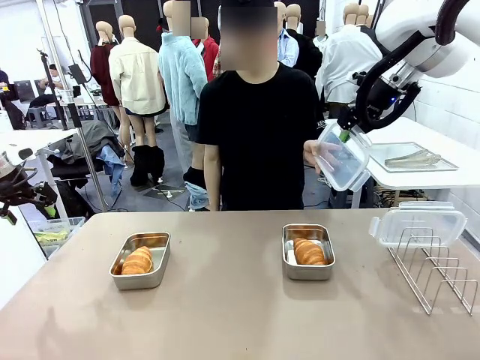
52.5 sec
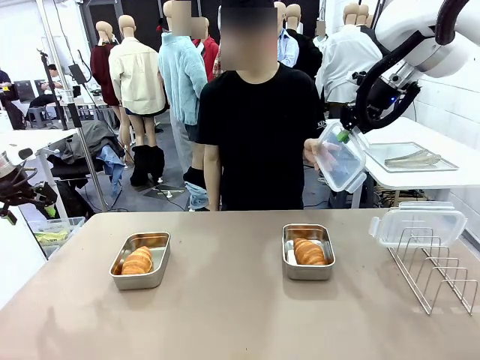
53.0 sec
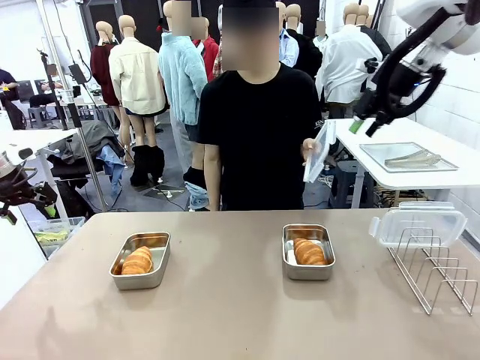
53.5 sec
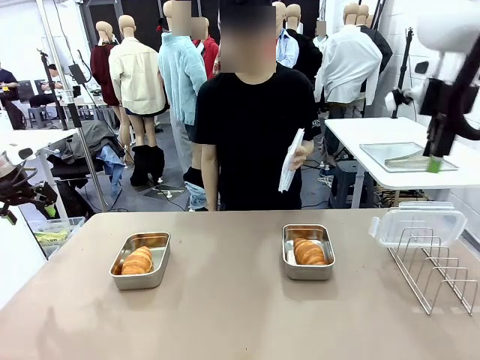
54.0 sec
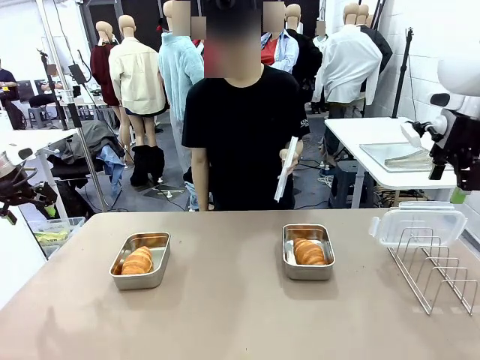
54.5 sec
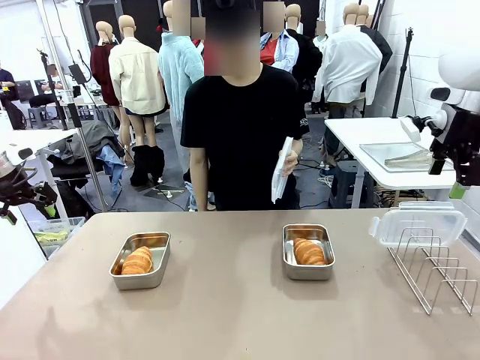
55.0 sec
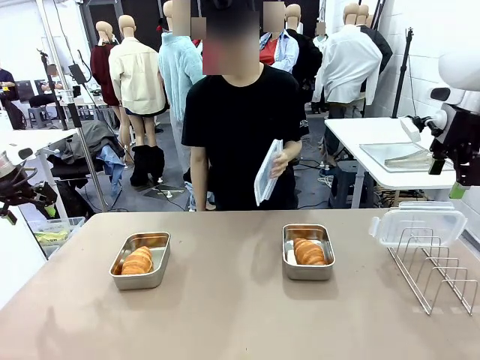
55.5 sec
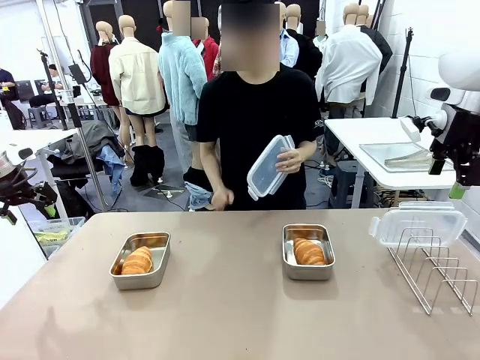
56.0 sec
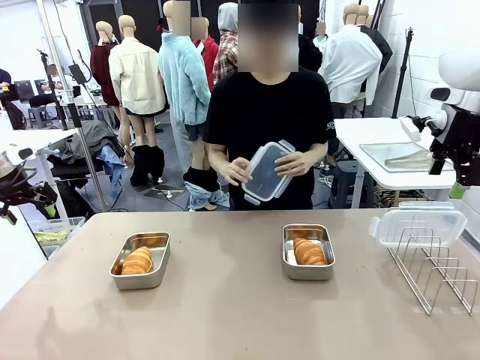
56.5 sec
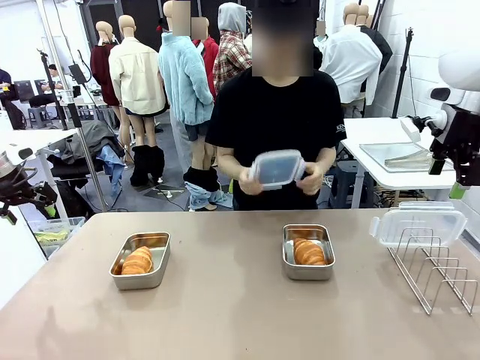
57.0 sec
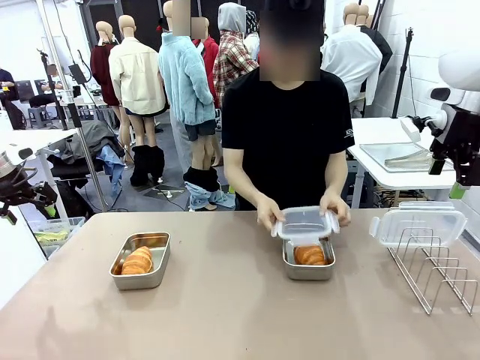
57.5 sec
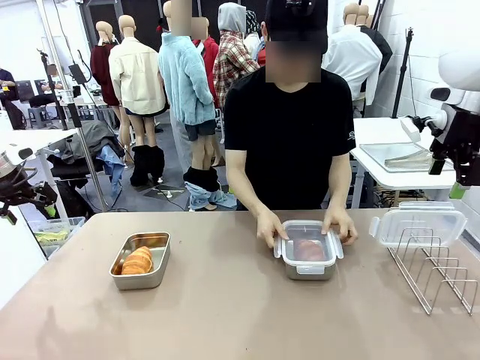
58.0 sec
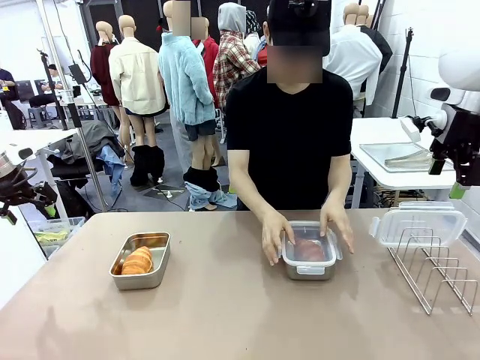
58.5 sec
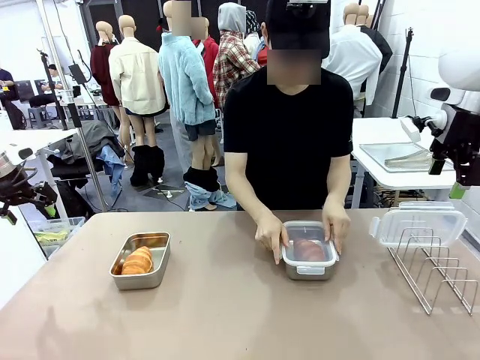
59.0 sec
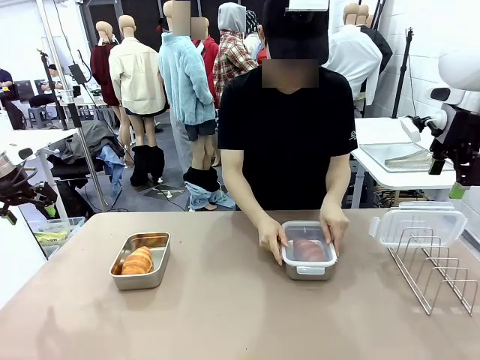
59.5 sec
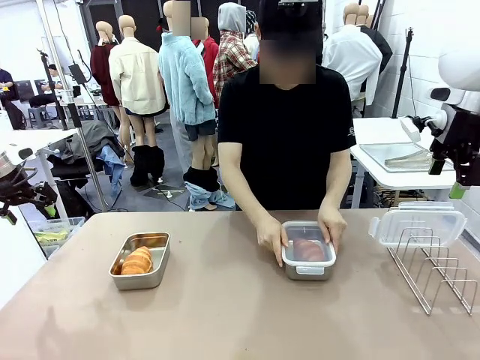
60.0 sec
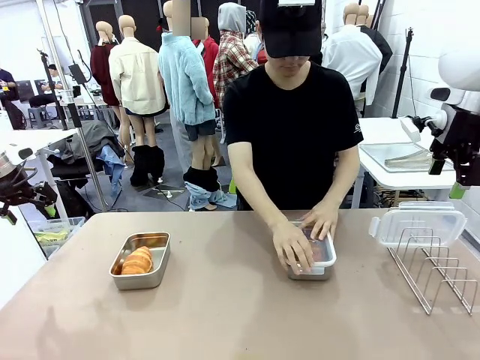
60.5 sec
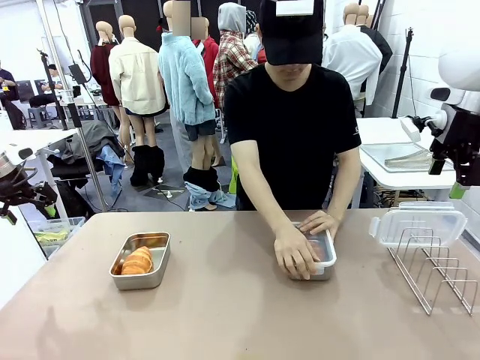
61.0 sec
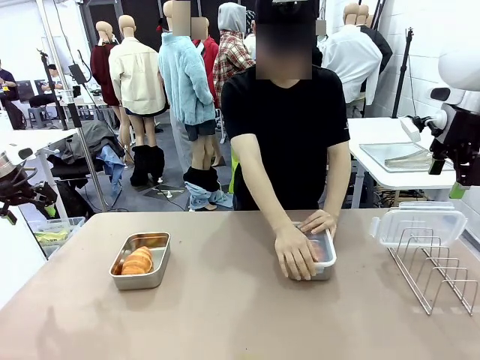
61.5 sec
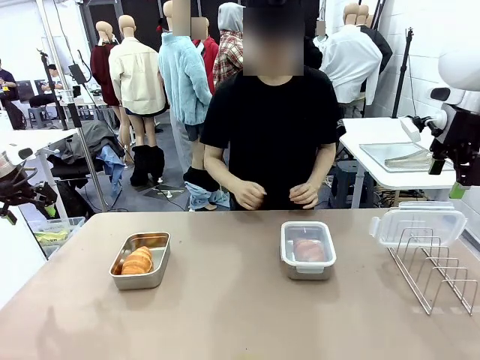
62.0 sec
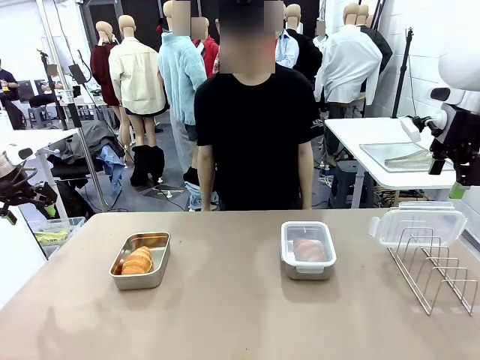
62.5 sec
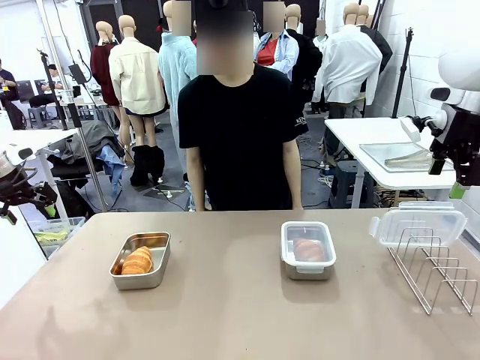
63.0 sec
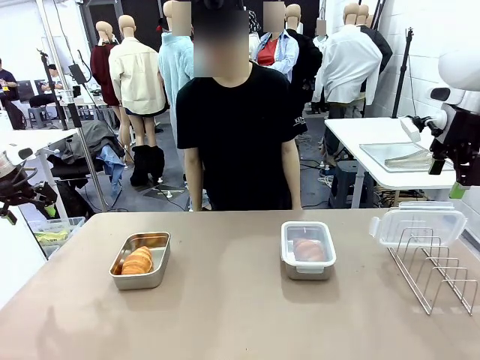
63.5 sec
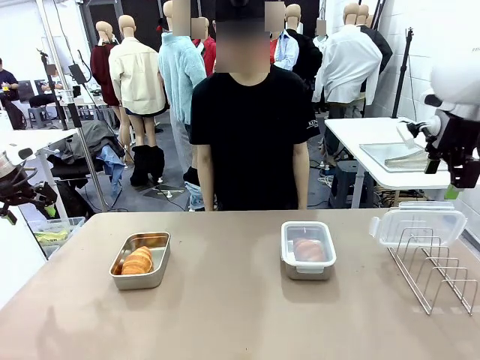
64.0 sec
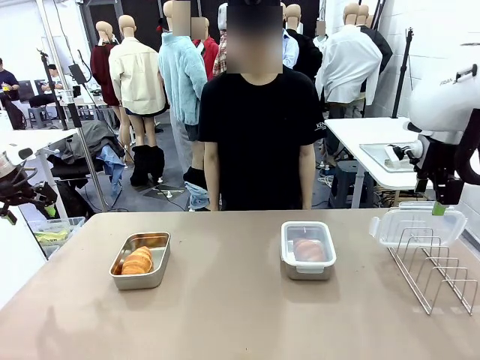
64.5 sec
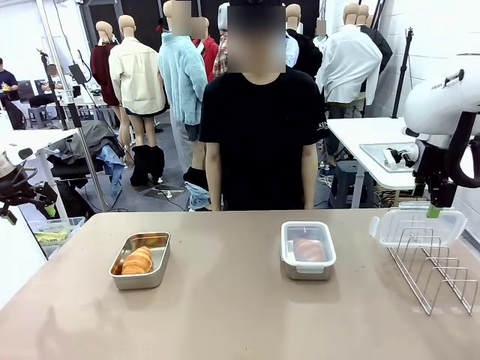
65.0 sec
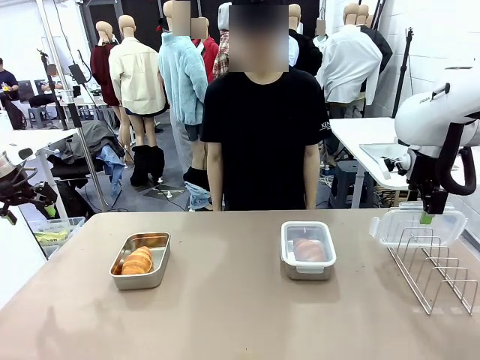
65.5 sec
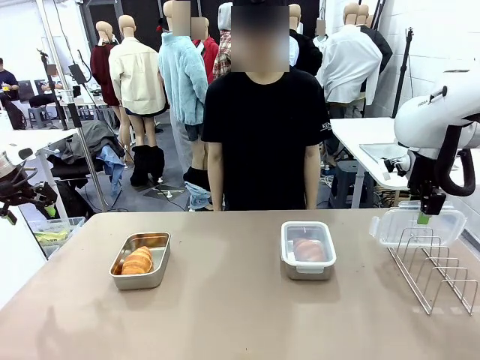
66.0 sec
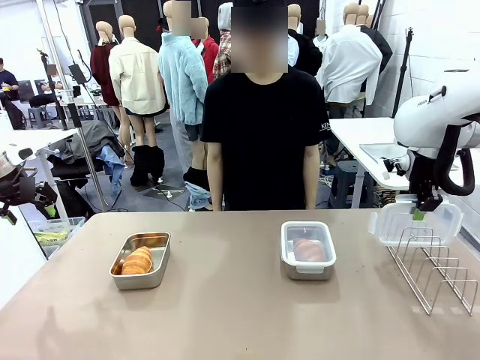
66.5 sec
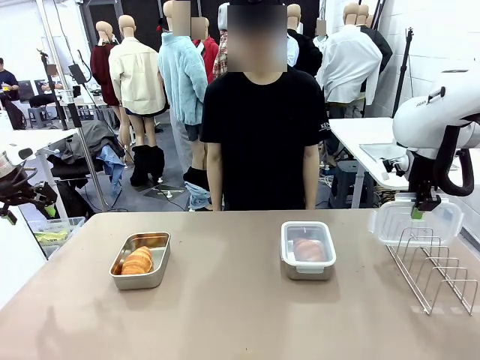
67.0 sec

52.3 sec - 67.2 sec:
Task: Place the bread in airtight containers.
Robot: Pick up one Airtight Container lid and hand it to the human.
Person: Close Airtight Container with a handed Airtight Container lid.

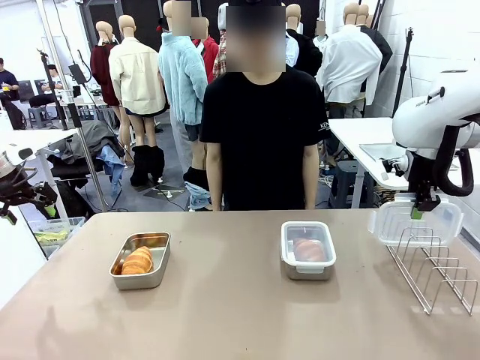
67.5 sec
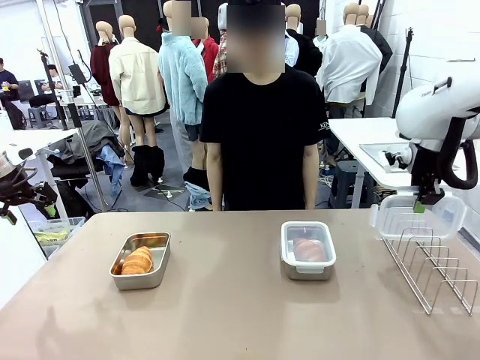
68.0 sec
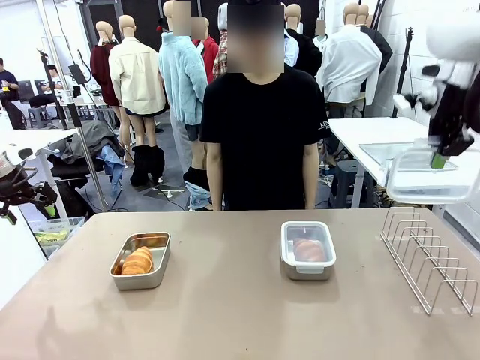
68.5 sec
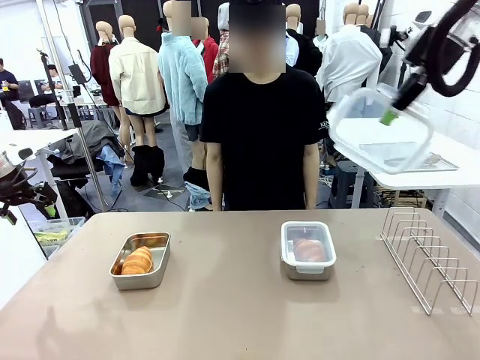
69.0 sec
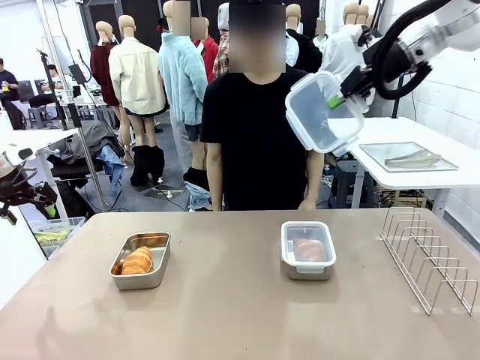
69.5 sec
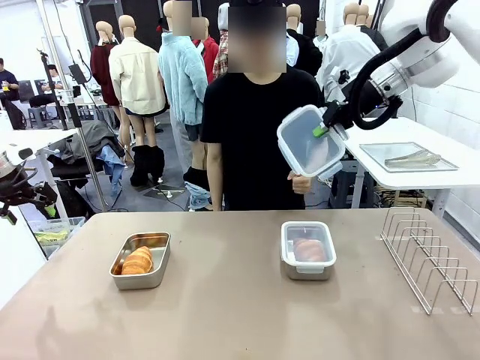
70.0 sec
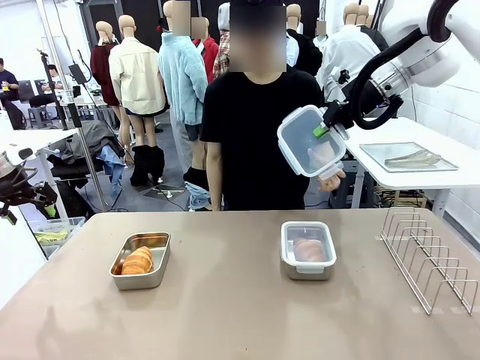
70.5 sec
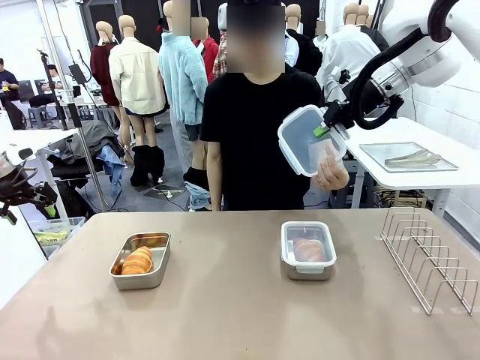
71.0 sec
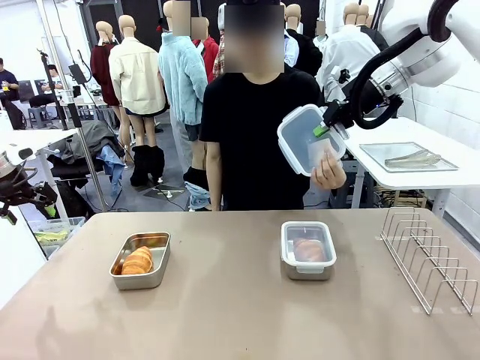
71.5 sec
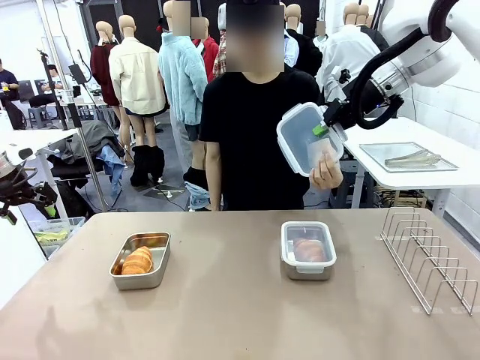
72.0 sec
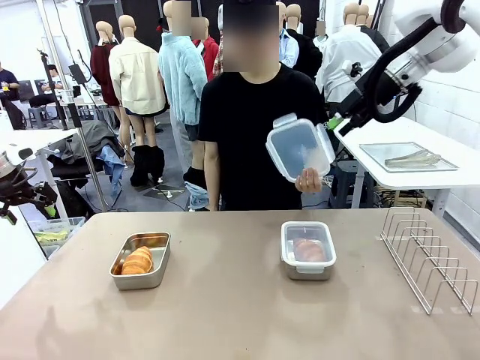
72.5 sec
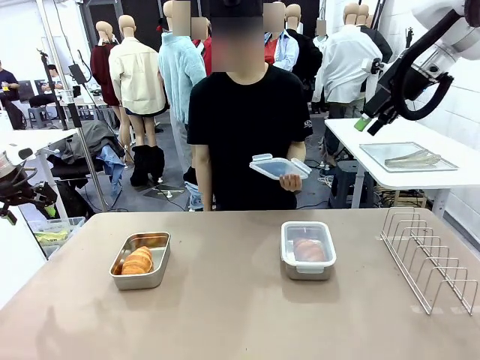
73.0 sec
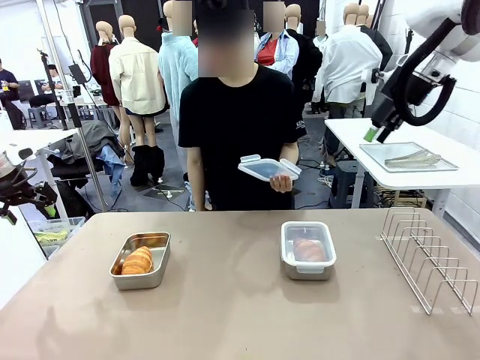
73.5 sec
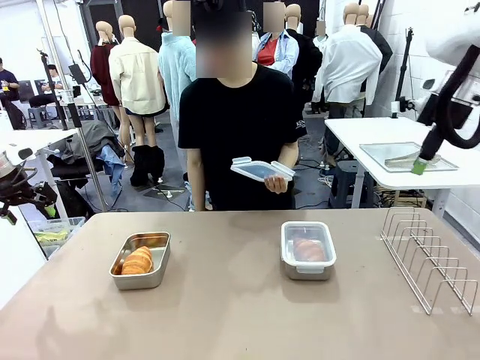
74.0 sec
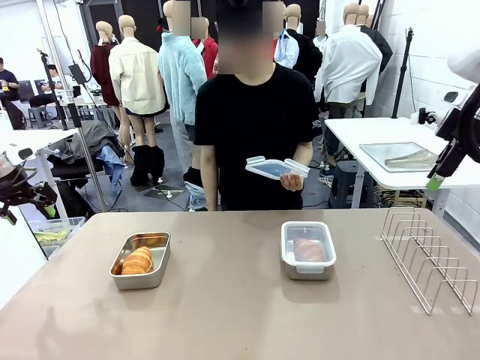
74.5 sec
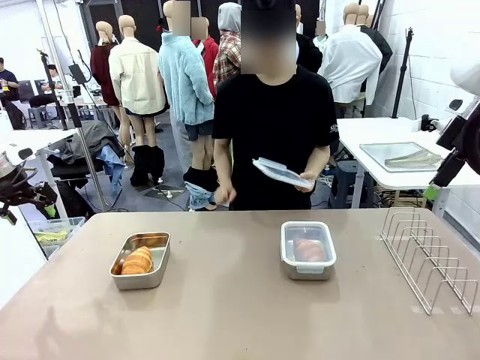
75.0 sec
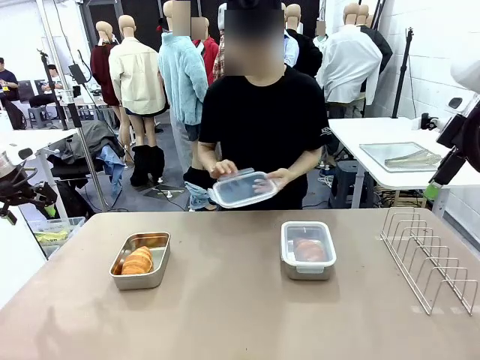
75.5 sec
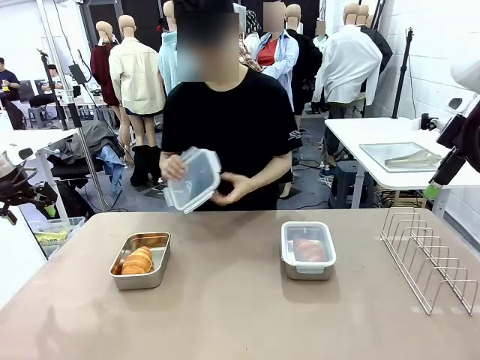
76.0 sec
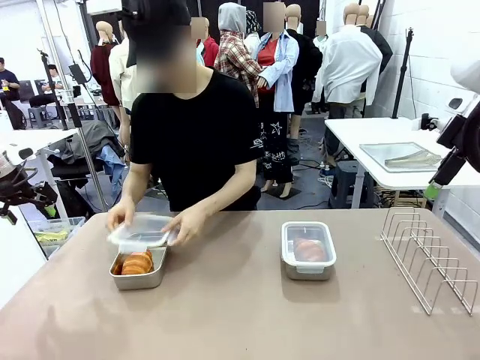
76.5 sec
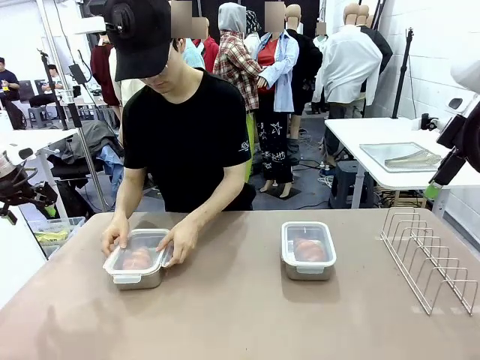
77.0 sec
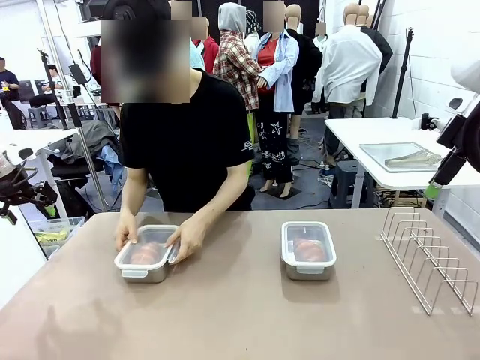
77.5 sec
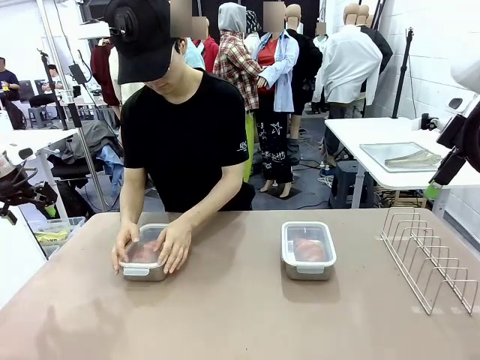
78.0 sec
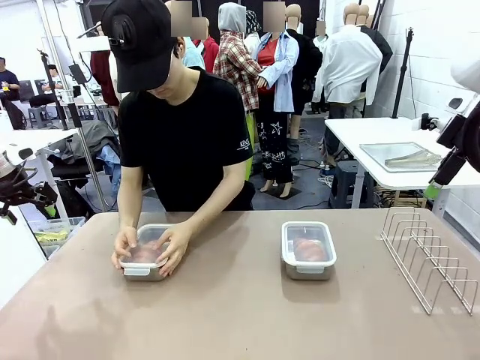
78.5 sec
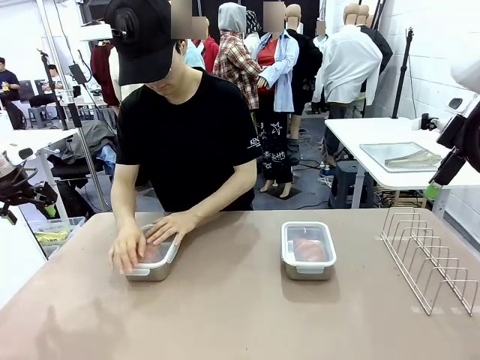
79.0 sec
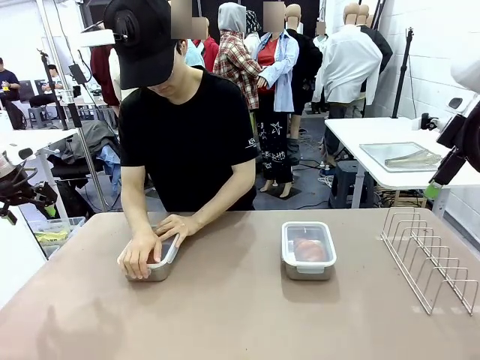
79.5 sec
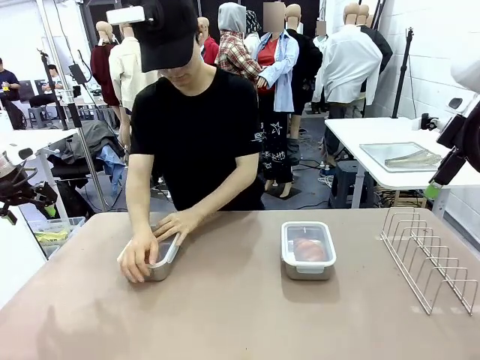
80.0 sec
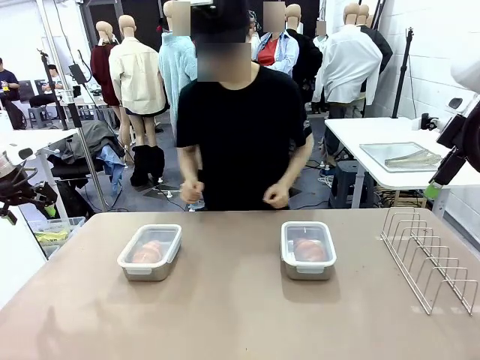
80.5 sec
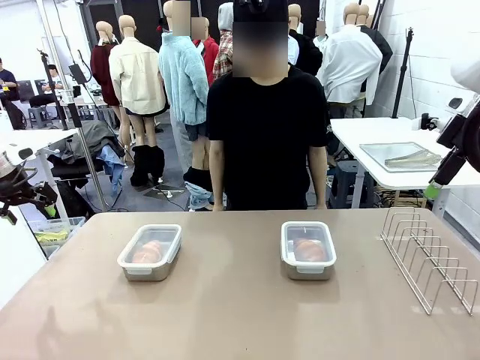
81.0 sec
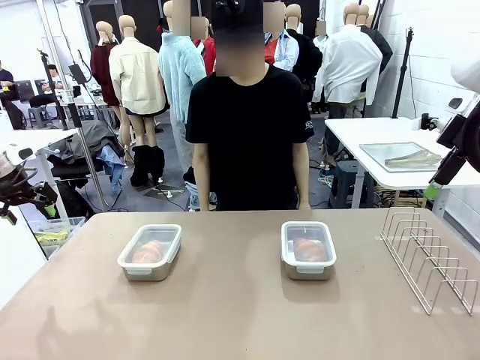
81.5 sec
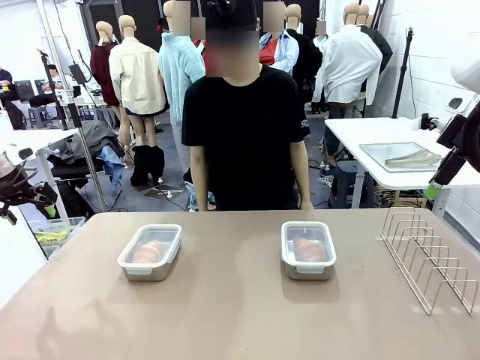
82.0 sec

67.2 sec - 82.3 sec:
Robot: Release when the human grabs the Airtight Container lid.
Person: Grip Airtight Container lid that robot is handing. Close Airtight Container with a handed Airtight Container lid.
